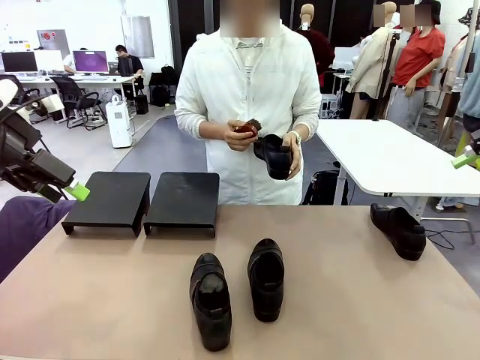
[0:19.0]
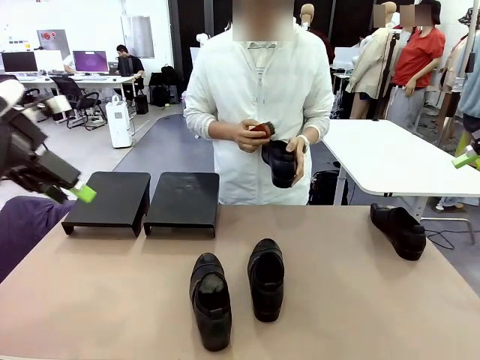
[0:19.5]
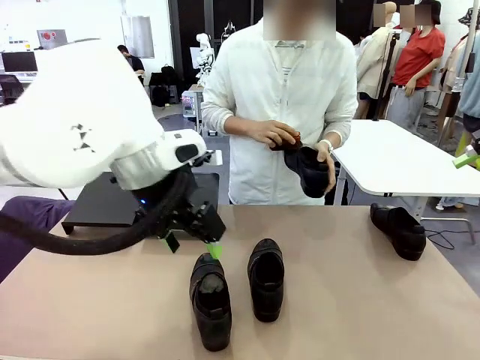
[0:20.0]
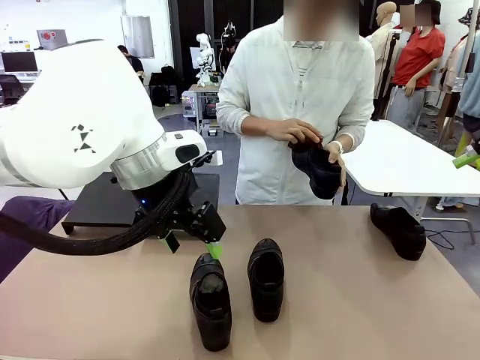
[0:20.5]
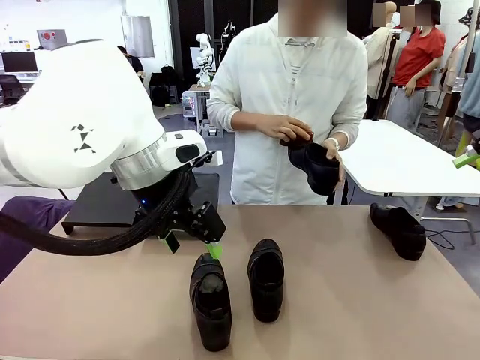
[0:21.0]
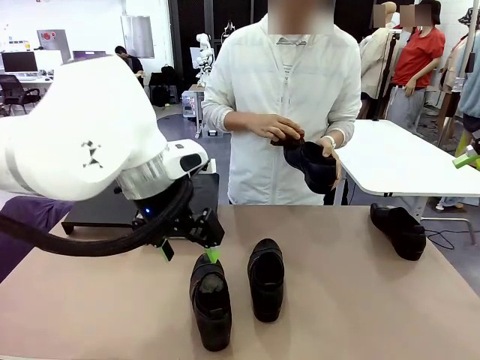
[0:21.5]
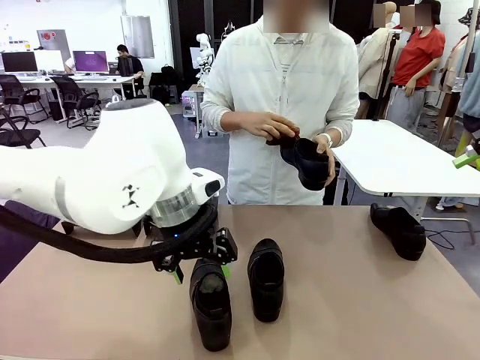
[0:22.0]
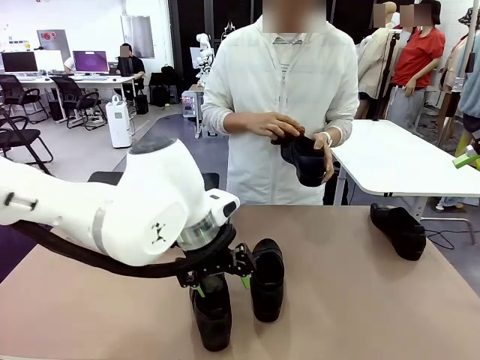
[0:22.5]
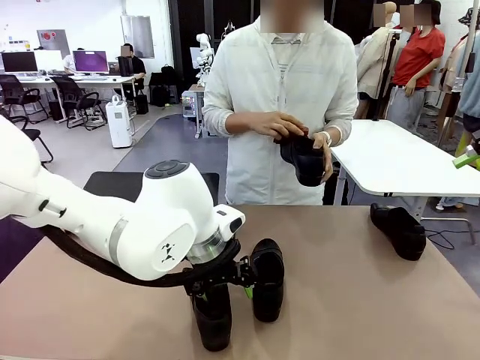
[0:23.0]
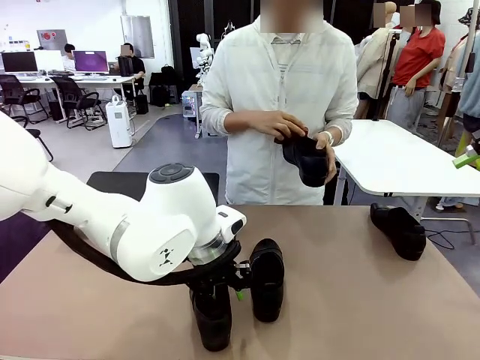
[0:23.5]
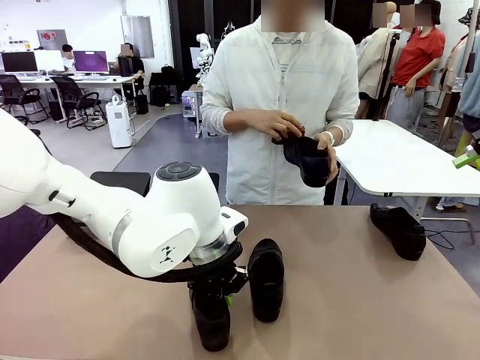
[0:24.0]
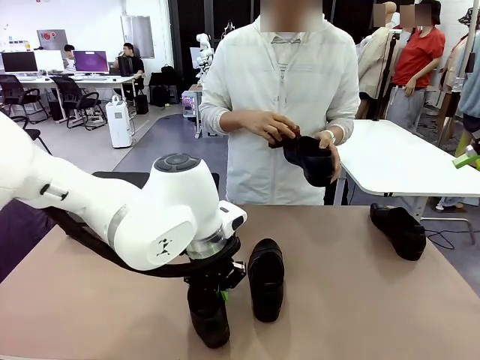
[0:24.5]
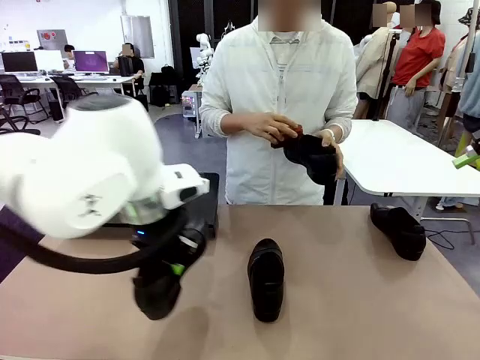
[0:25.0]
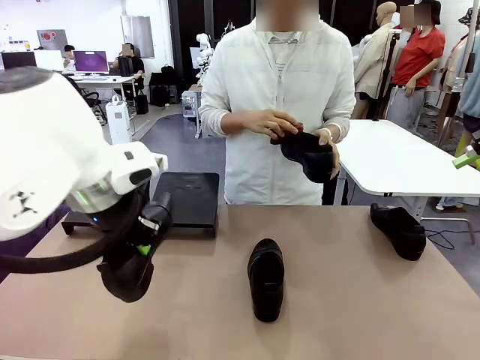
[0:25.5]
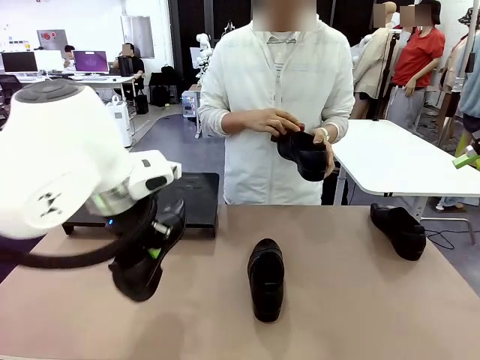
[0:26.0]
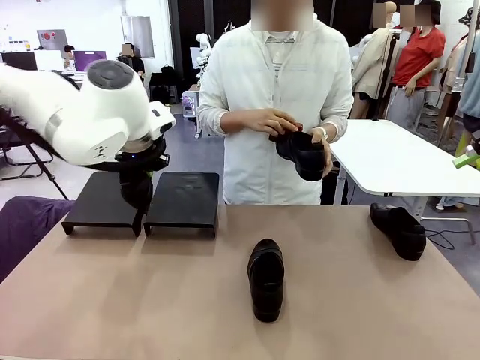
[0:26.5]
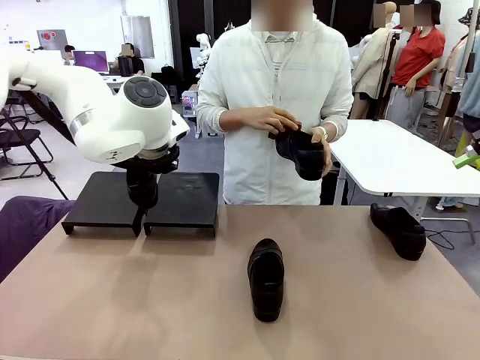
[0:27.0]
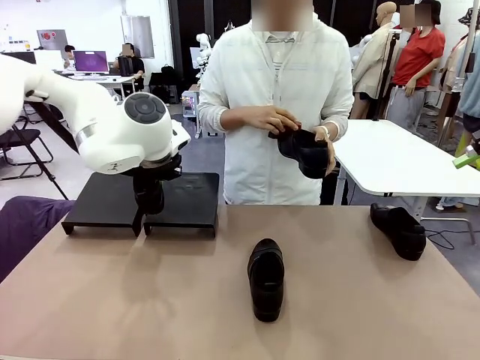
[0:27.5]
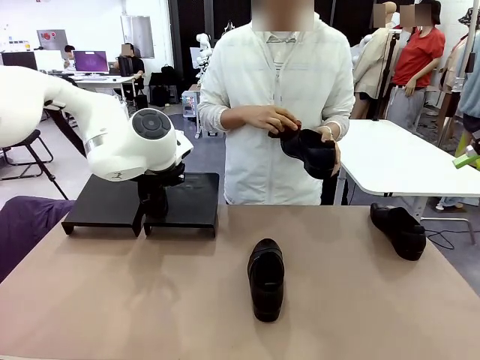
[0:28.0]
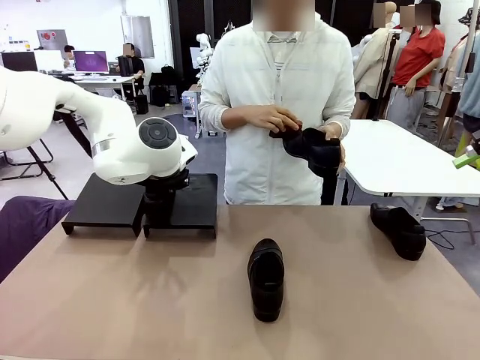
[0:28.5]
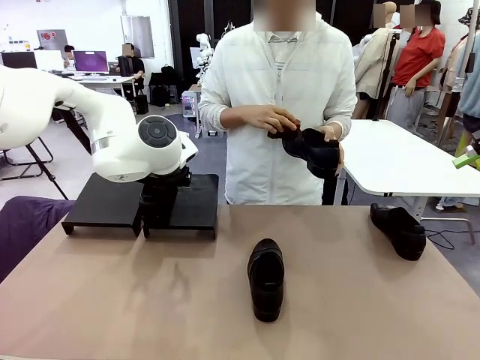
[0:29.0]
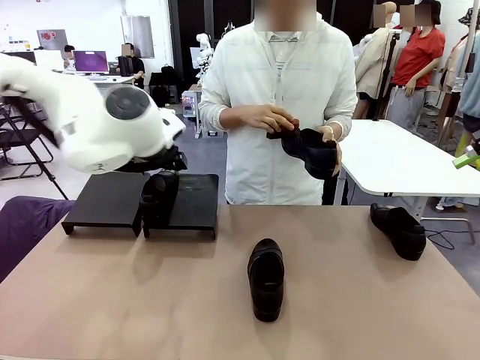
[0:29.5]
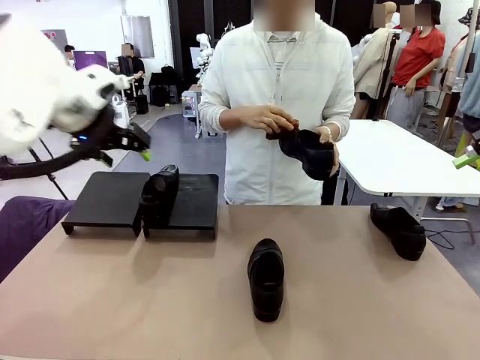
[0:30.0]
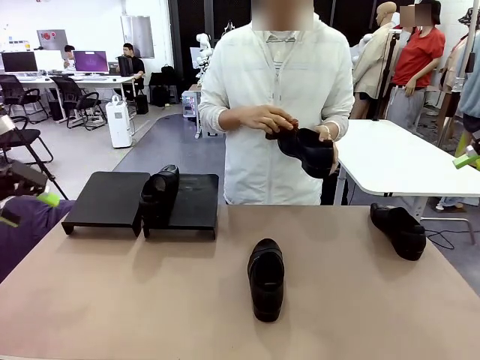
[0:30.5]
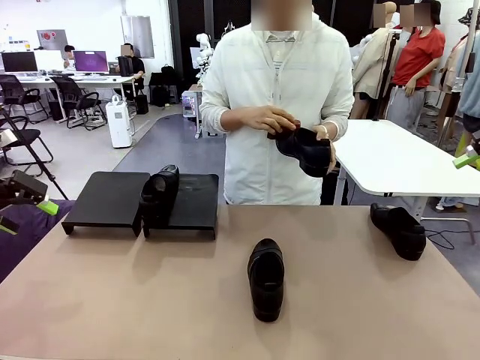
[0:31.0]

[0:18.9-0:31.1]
Task: Organize the shoes by placing them on the stand.
Robot: Place the Shoe from the middle of the table onto the Shoes Stand.
Person: Clean the Shoe with the Shoe Brush.

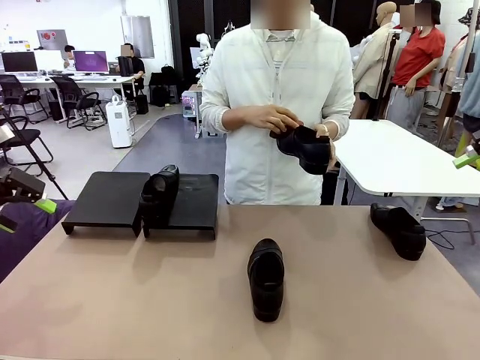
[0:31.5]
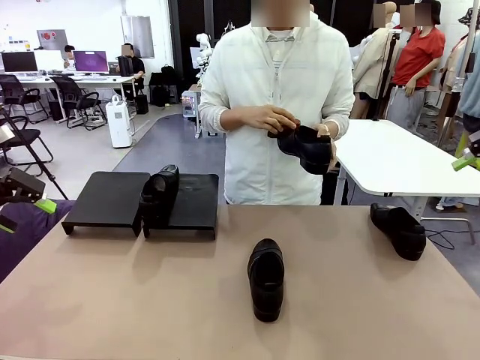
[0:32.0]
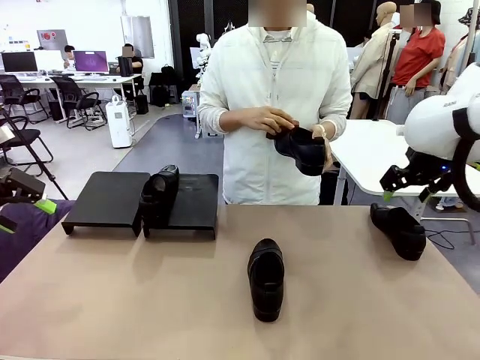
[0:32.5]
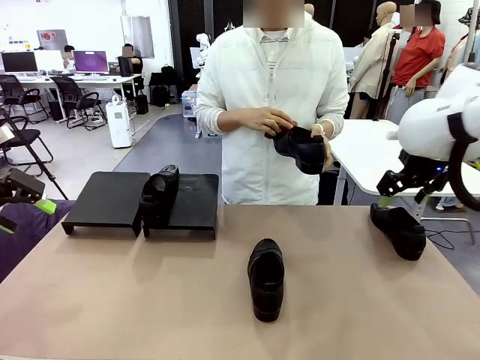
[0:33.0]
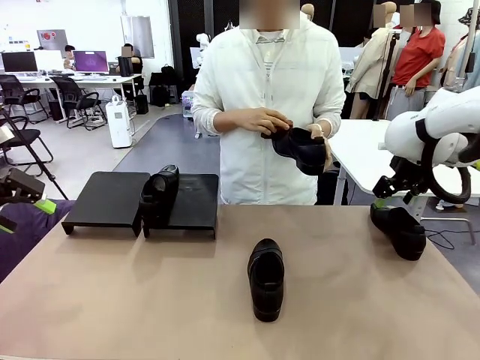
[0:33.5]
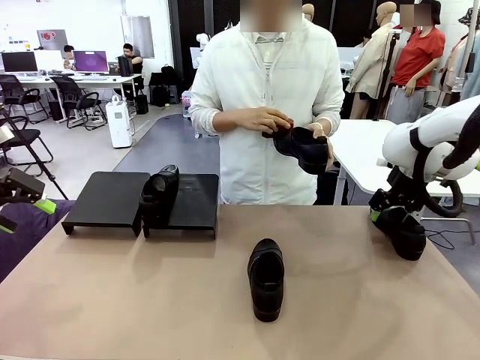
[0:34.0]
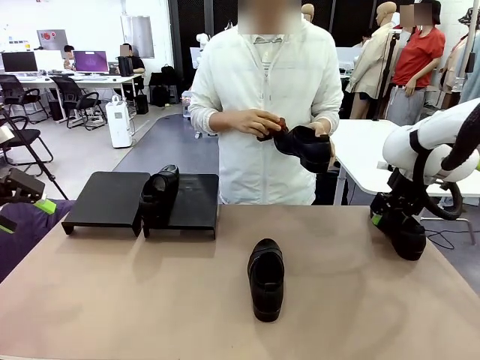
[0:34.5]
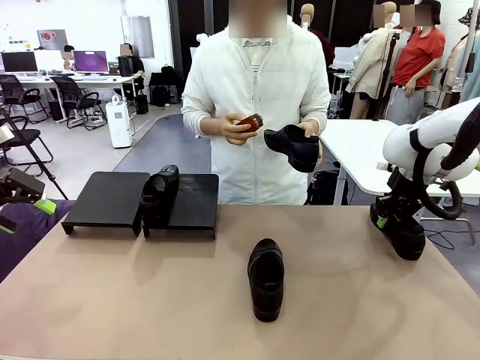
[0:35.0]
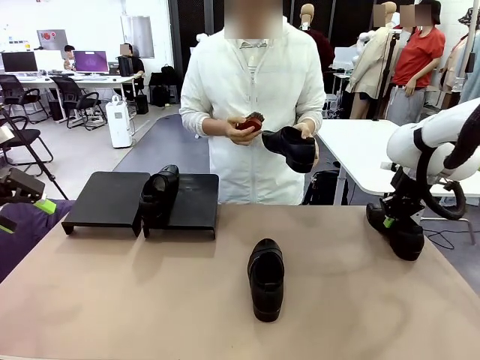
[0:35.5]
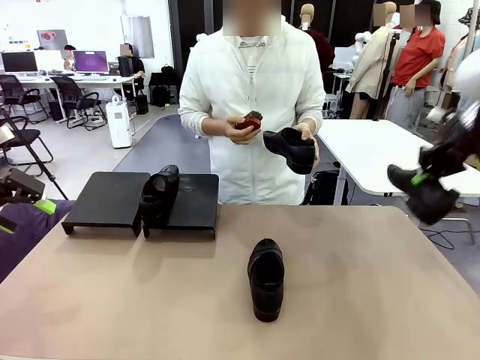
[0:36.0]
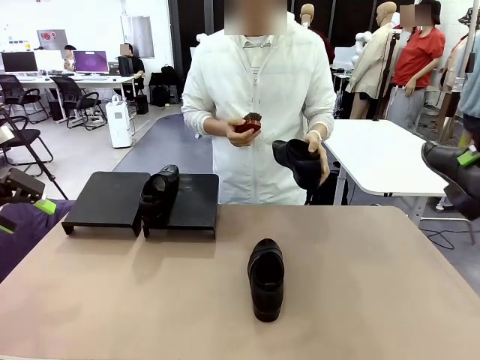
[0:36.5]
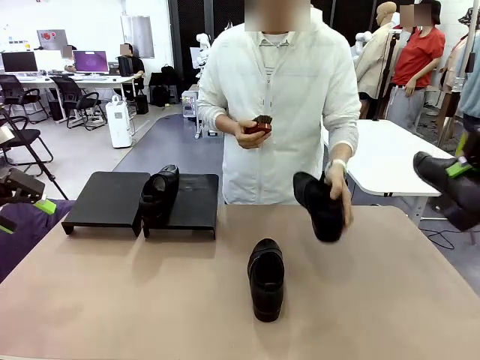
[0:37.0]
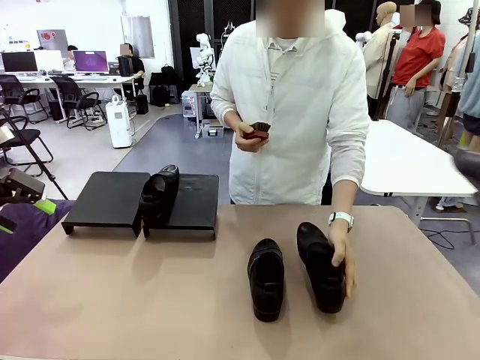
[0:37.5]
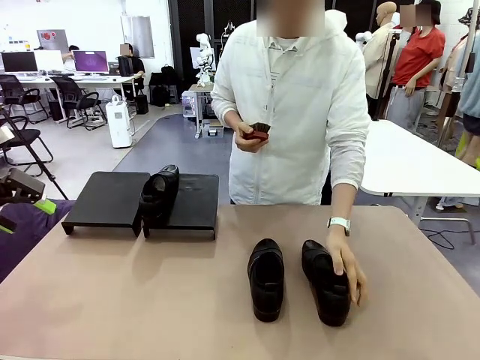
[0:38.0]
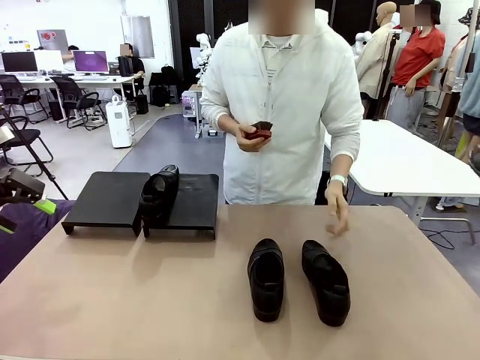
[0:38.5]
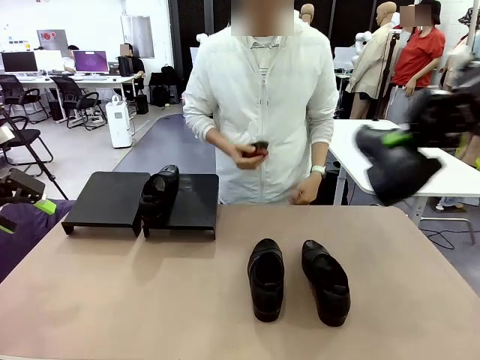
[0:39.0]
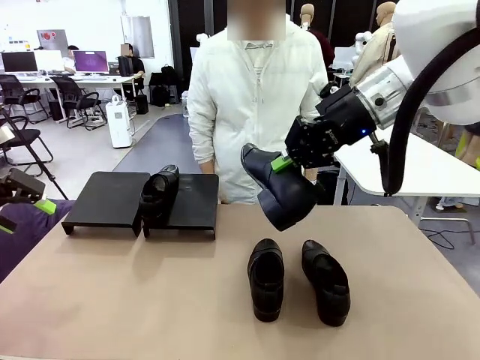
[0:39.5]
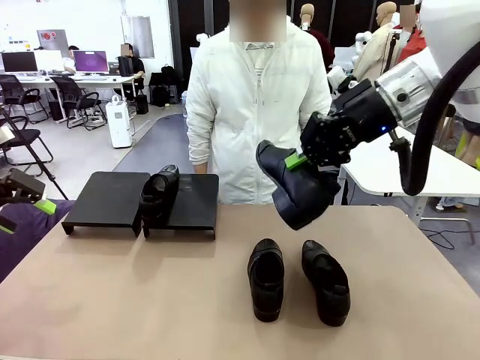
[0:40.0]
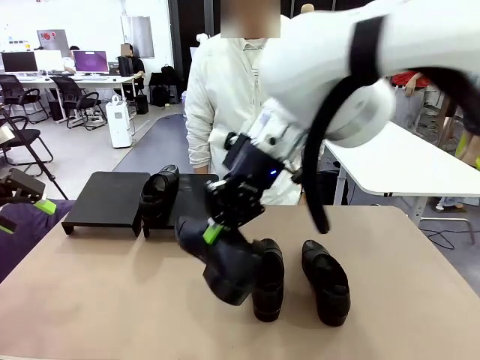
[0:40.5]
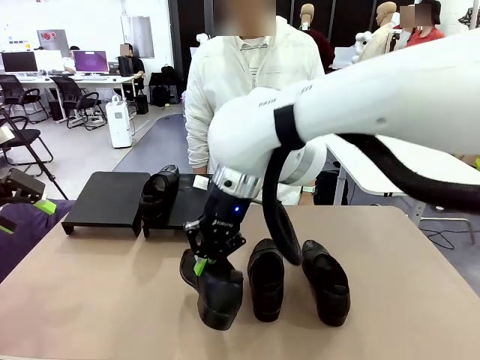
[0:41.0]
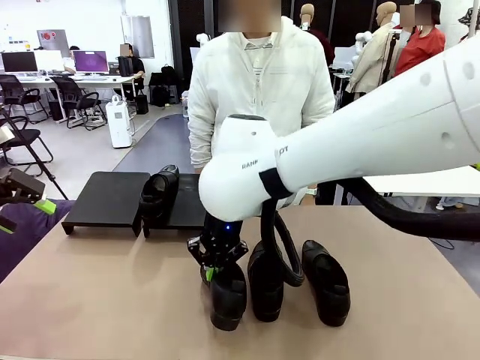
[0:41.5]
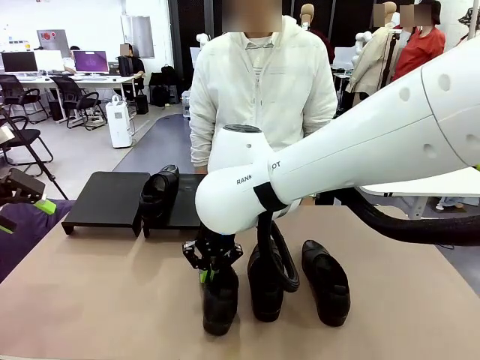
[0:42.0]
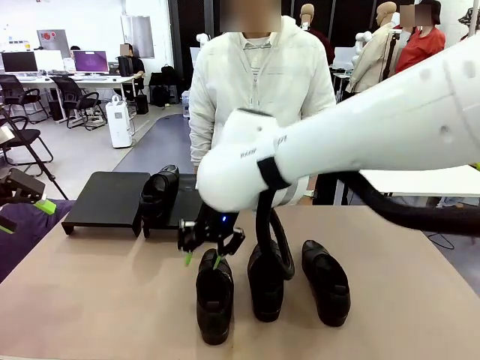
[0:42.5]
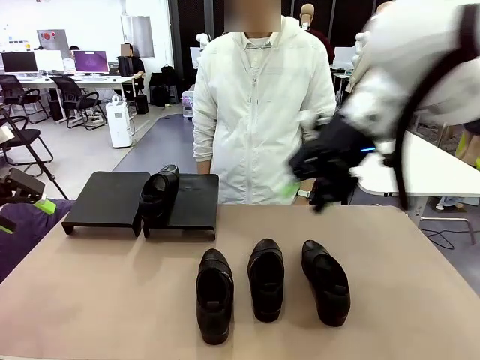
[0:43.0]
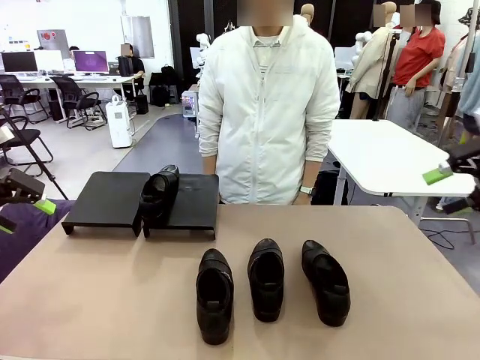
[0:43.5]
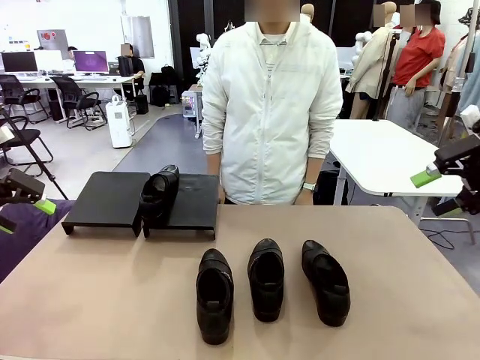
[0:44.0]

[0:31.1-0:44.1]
Robot: Pick up one Shoe and place it in the middle of the table.
